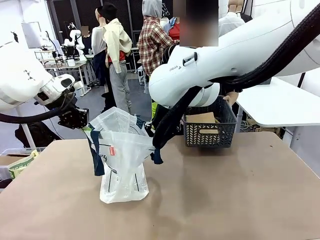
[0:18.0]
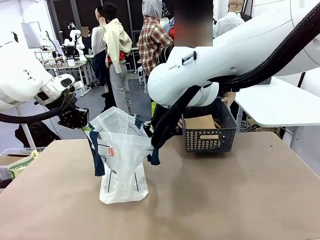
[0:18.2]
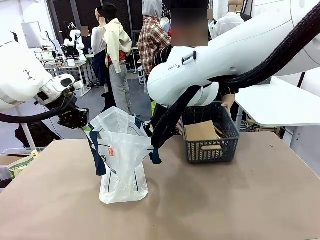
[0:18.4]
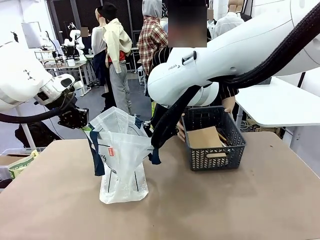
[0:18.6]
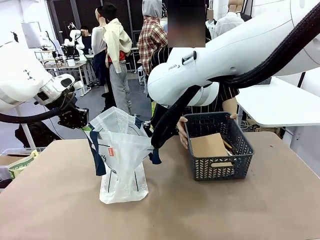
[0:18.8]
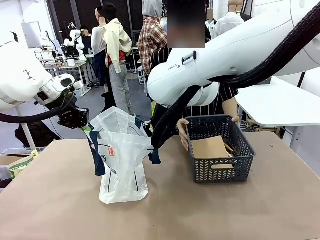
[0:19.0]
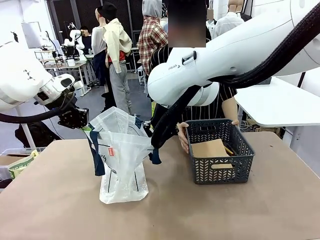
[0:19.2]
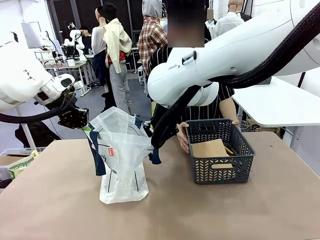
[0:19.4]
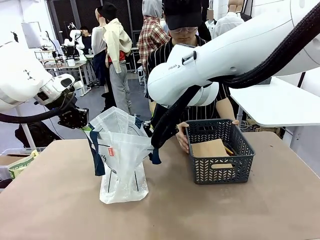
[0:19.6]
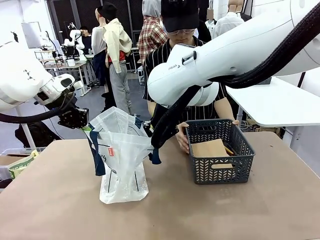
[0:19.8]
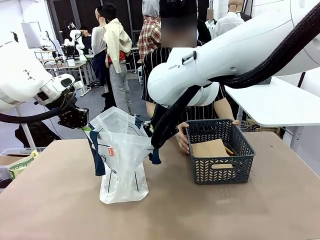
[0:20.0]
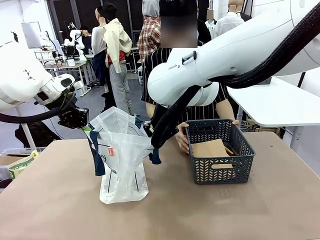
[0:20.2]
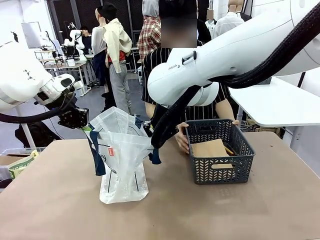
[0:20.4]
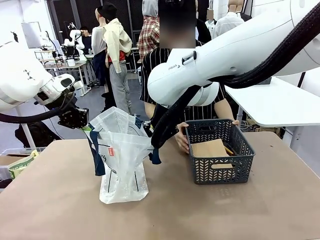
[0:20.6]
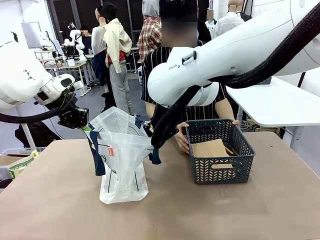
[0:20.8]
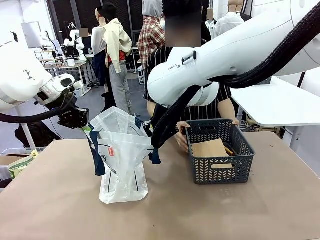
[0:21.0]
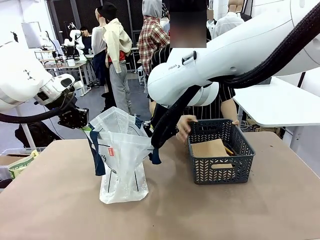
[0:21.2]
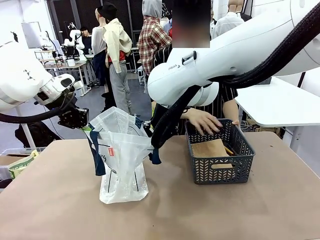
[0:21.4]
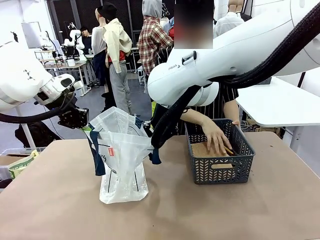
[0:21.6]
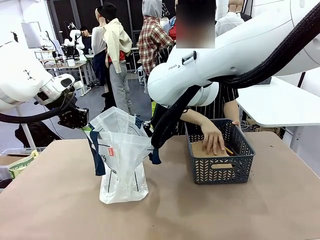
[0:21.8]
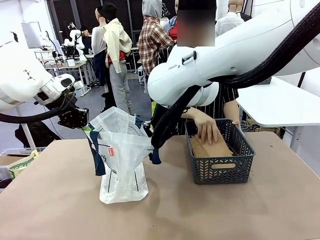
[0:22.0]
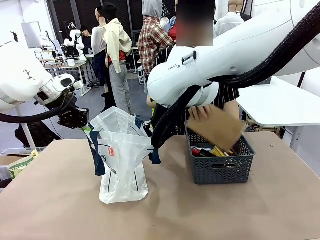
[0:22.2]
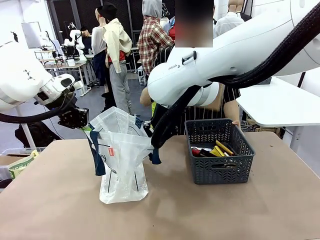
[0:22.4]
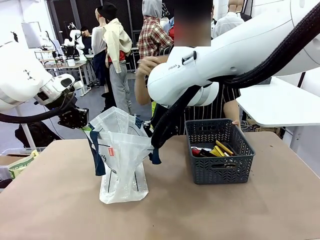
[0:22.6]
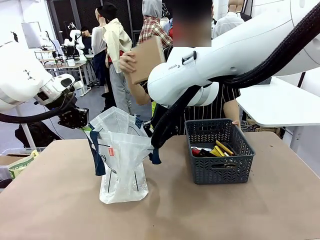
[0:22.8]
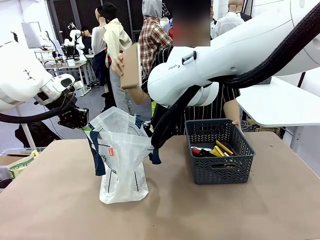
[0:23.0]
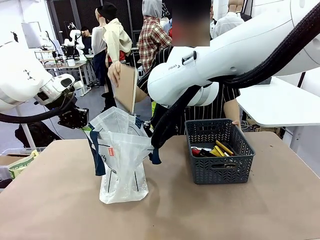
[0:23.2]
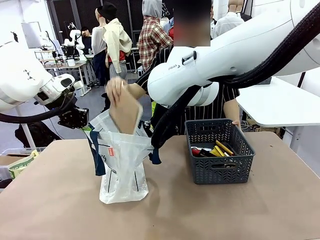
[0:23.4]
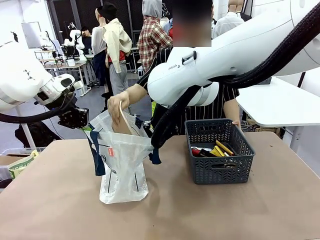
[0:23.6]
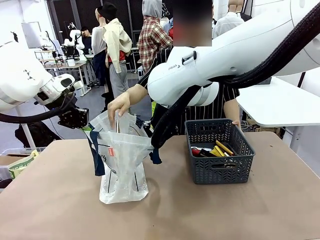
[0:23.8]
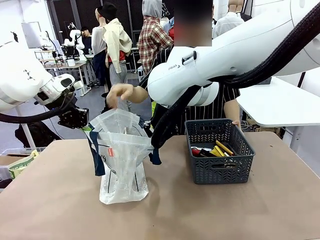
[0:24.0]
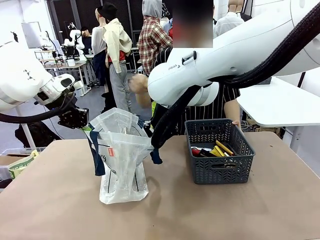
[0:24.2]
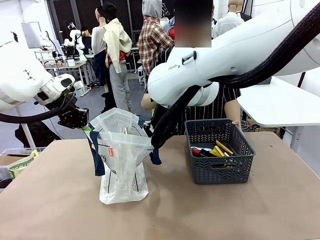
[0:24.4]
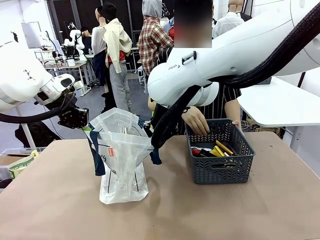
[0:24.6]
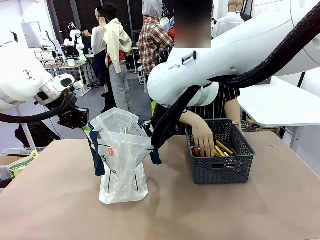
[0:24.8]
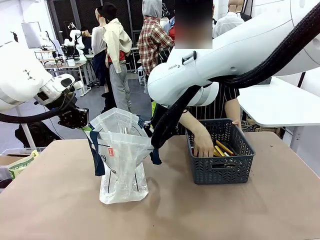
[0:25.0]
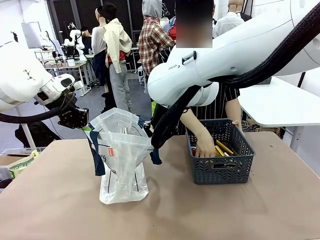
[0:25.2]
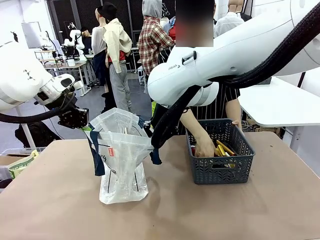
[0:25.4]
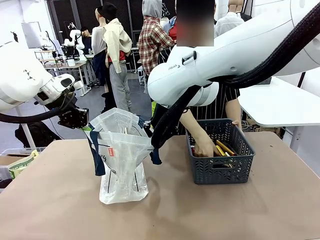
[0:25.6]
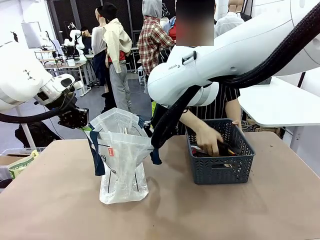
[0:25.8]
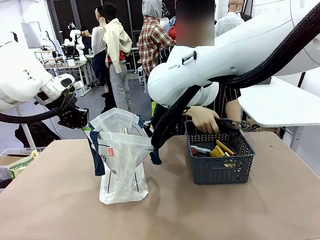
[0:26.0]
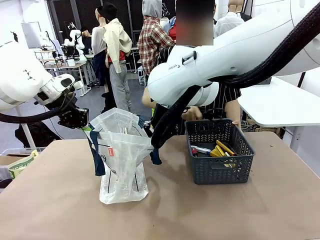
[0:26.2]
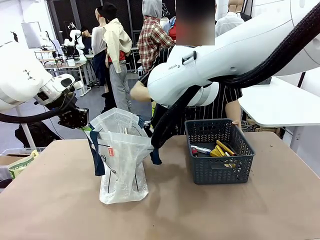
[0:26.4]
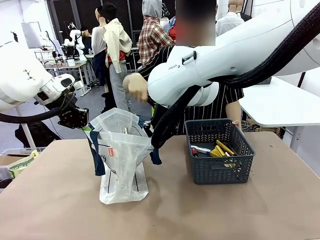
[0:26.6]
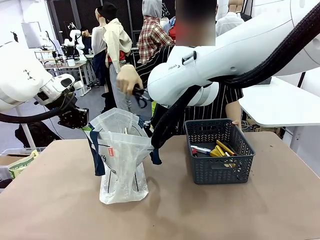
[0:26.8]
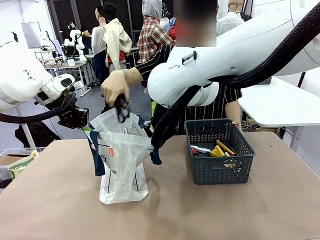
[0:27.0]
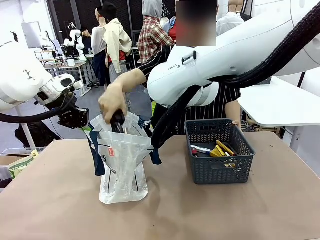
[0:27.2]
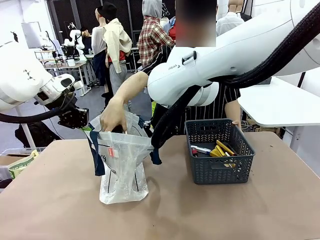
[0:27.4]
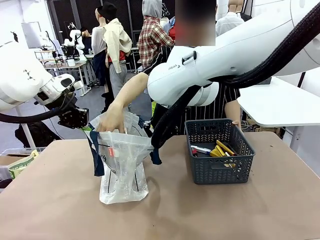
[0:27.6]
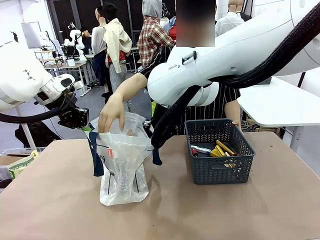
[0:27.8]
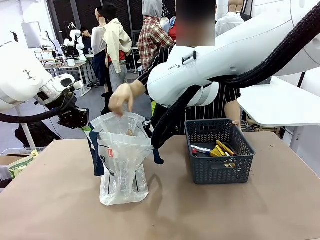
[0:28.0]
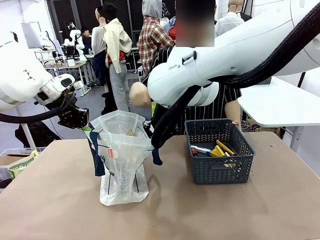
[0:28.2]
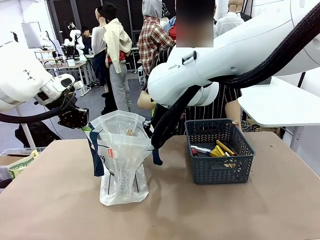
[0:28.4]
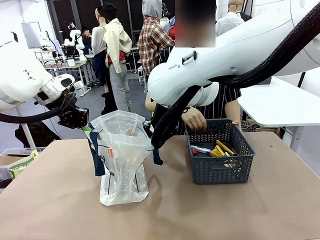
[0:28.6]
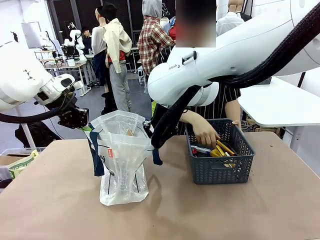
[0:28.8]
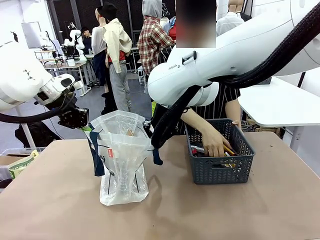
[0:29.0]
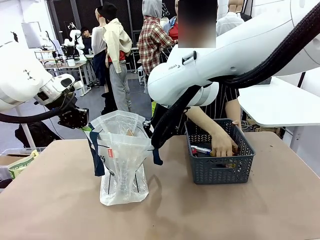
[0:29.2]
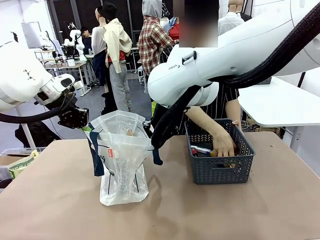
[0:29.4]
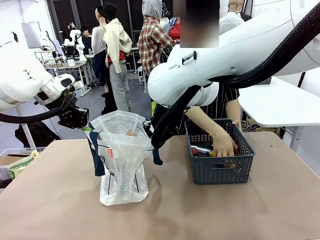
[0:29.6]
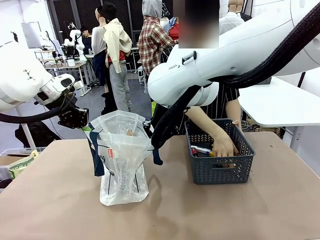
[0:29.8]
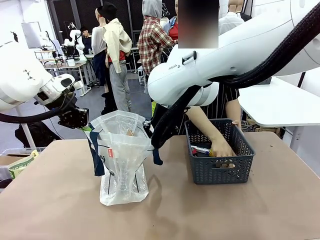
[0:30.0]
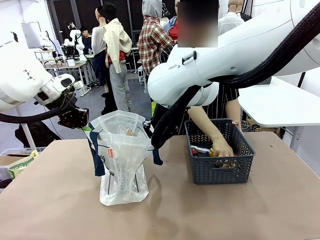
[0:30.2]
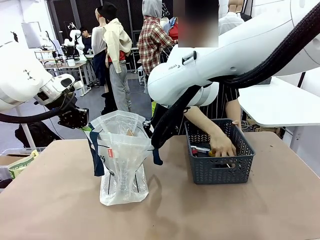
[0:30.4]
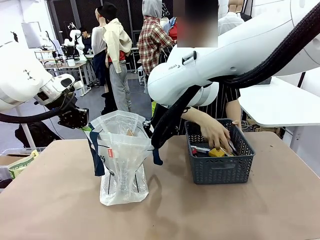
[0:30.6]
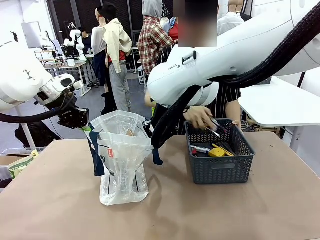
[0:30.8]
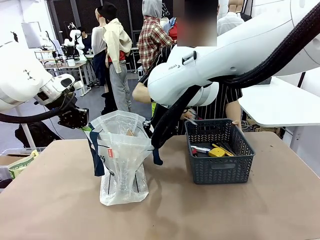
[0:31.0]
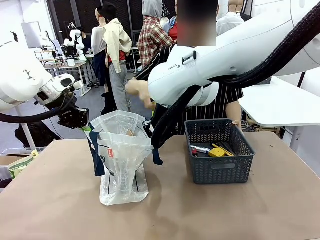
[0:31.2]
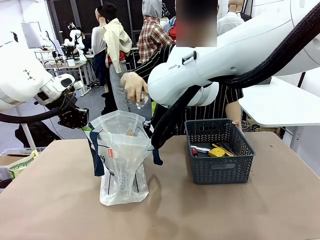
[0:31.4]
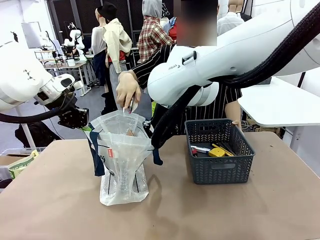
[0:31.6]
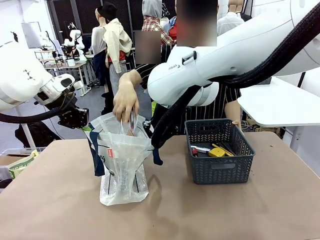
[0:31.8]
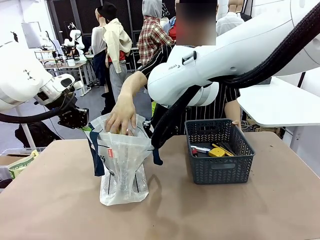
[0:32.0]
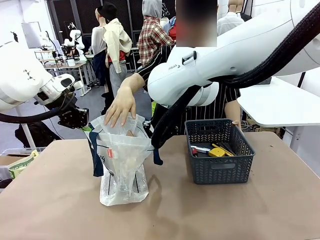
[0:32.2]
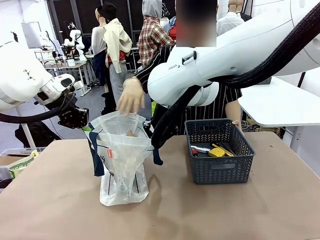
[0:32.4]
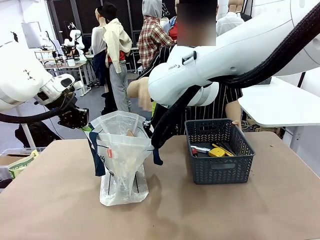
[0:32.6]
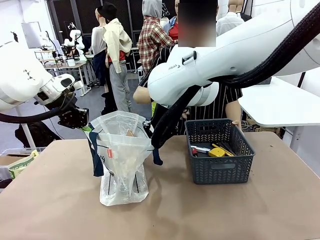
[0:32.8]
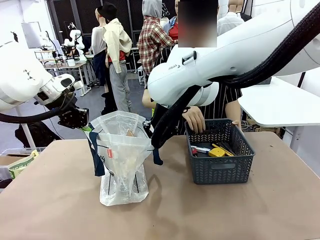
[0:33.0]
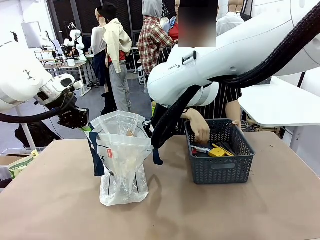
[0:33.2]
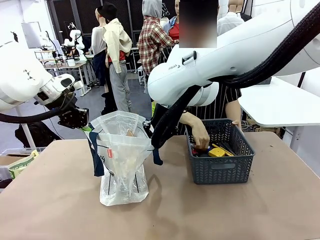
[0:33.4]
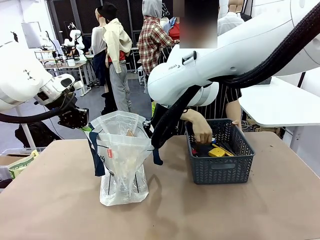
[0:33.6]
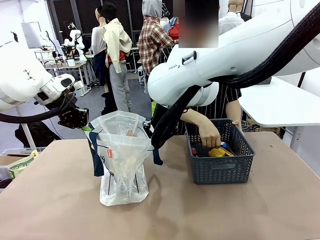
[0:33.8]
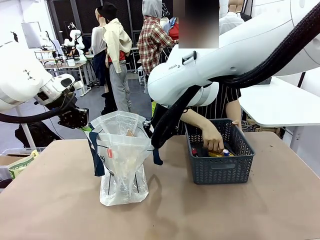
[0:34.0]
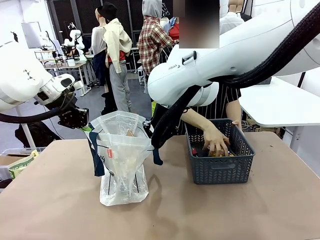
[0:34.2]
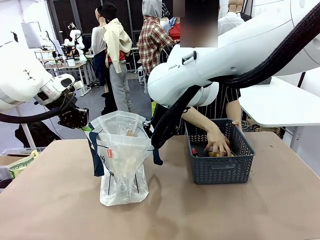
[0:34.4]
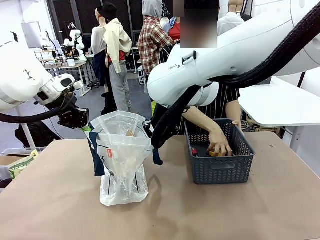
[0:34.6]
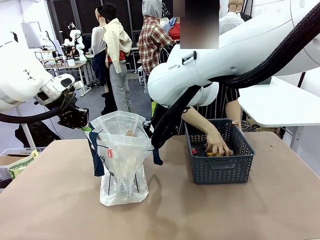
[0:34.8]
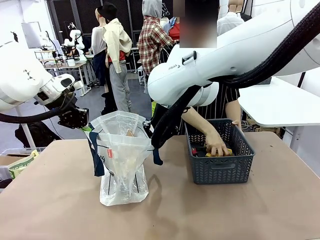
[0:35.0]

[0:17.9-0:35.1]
Task: Transfer purchased items from the store into the shopping bag.
Robot: Move the Reusable shopping bag to the right side of the table.
Person: Pick up the basket with the items out and place it on the right side of the human table.
